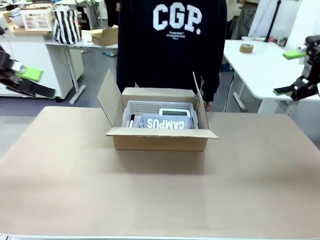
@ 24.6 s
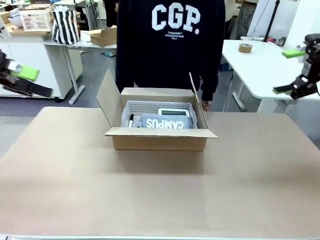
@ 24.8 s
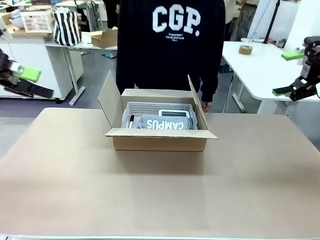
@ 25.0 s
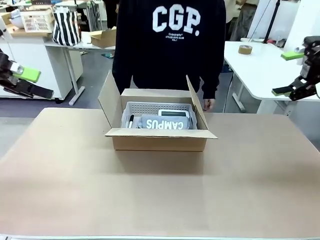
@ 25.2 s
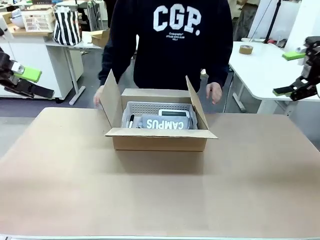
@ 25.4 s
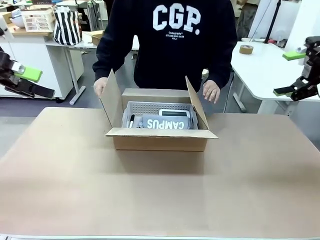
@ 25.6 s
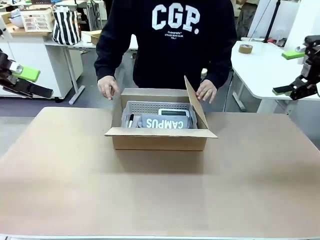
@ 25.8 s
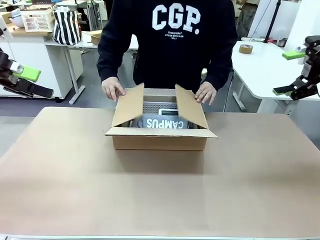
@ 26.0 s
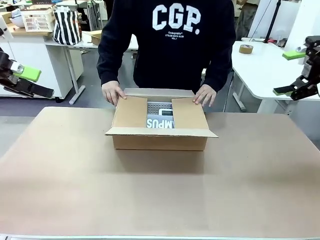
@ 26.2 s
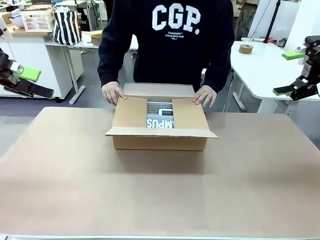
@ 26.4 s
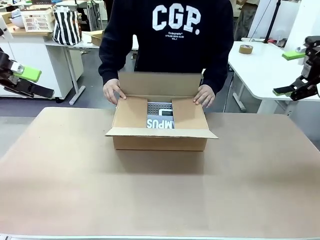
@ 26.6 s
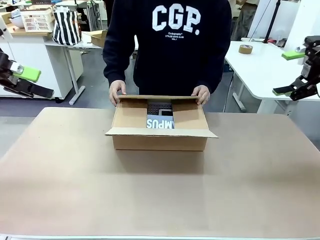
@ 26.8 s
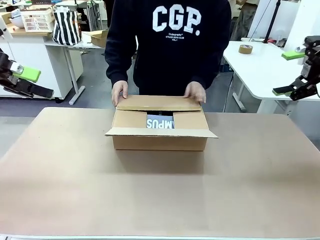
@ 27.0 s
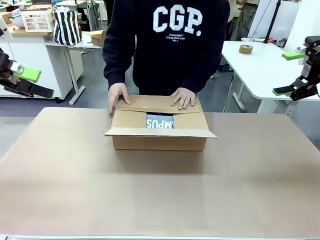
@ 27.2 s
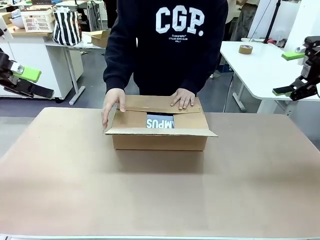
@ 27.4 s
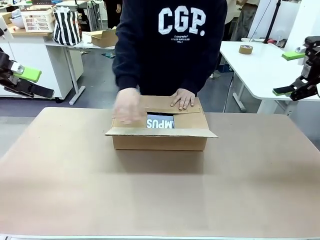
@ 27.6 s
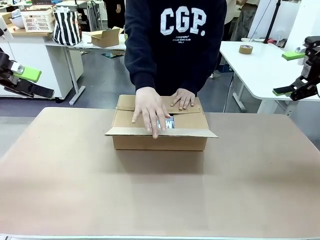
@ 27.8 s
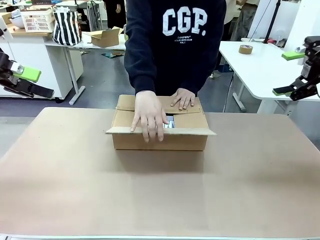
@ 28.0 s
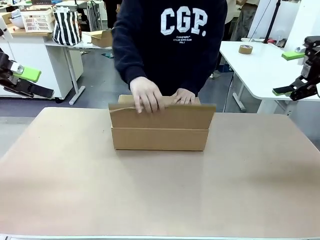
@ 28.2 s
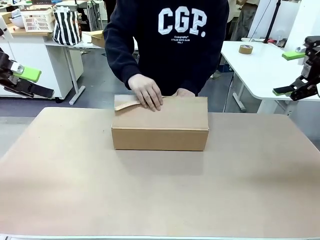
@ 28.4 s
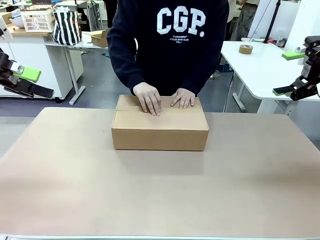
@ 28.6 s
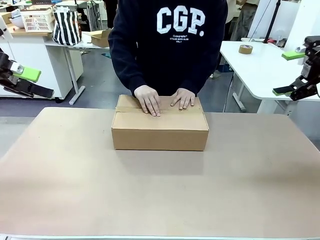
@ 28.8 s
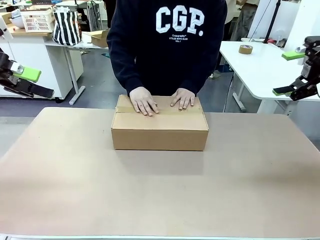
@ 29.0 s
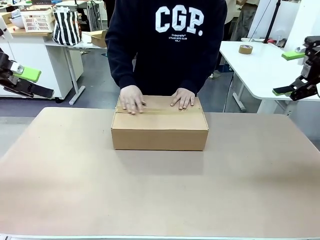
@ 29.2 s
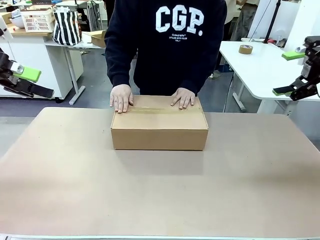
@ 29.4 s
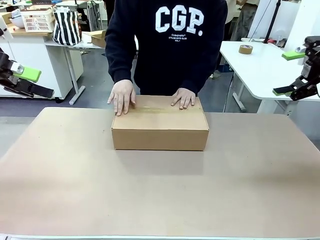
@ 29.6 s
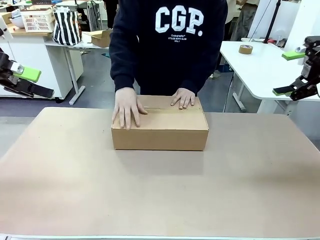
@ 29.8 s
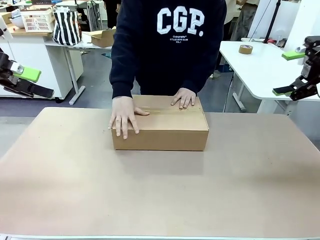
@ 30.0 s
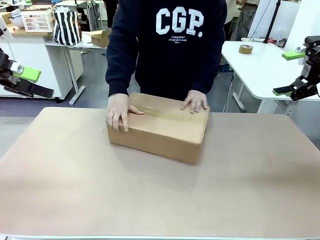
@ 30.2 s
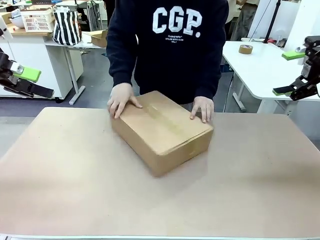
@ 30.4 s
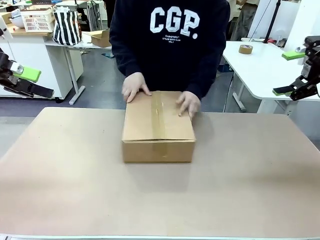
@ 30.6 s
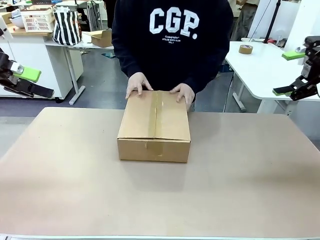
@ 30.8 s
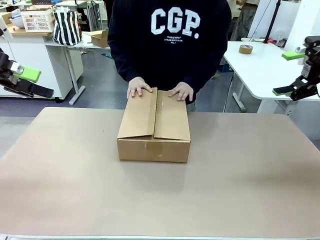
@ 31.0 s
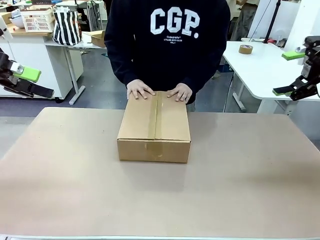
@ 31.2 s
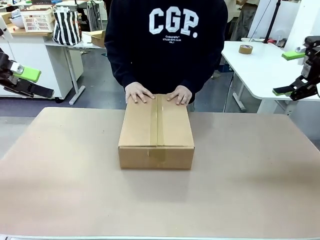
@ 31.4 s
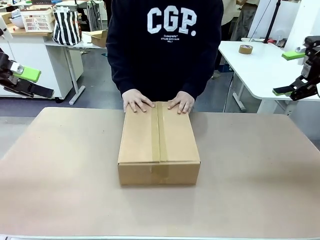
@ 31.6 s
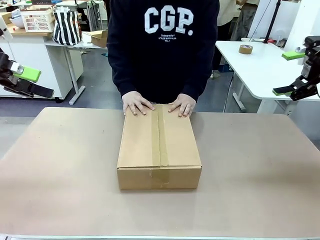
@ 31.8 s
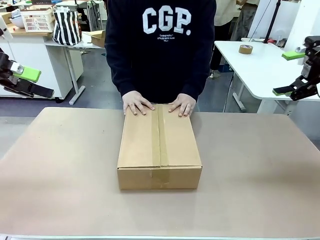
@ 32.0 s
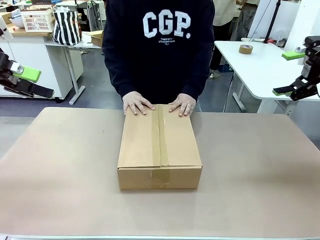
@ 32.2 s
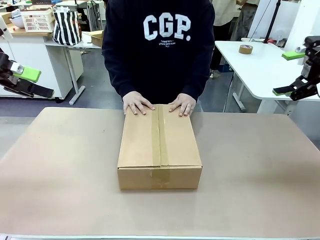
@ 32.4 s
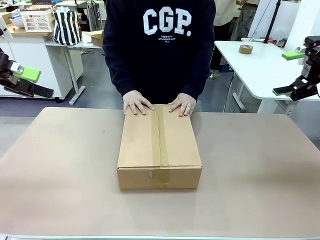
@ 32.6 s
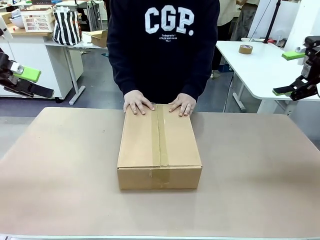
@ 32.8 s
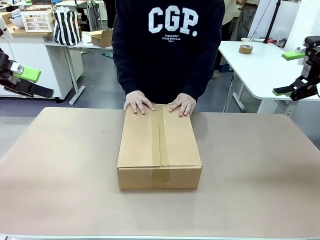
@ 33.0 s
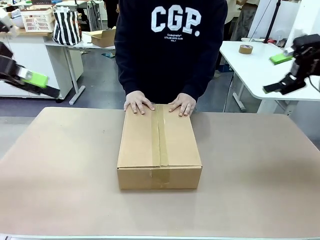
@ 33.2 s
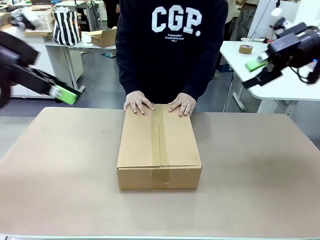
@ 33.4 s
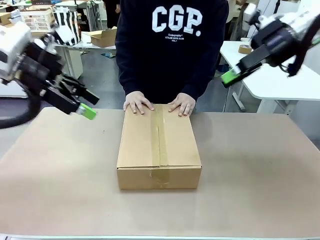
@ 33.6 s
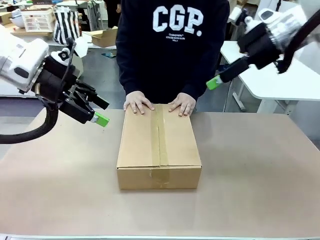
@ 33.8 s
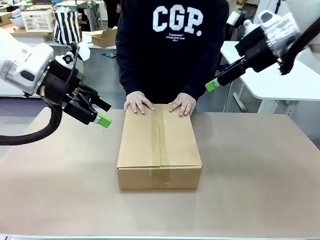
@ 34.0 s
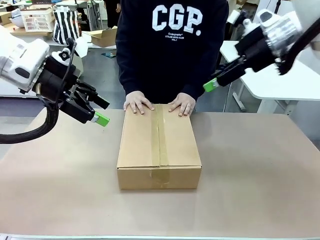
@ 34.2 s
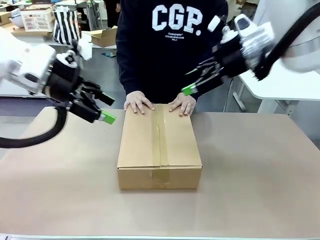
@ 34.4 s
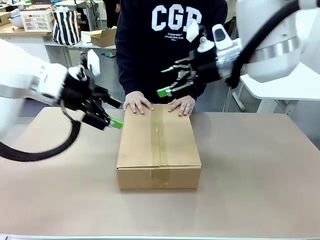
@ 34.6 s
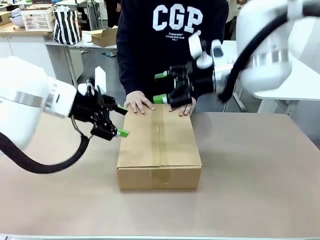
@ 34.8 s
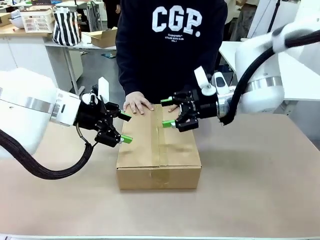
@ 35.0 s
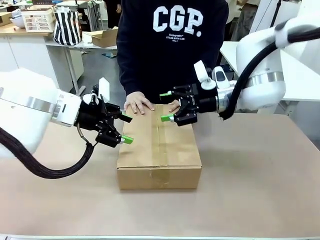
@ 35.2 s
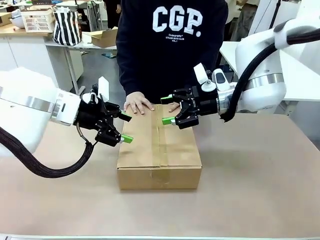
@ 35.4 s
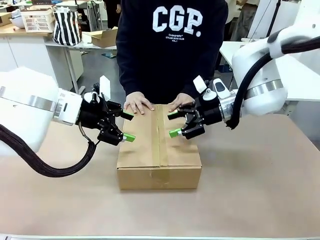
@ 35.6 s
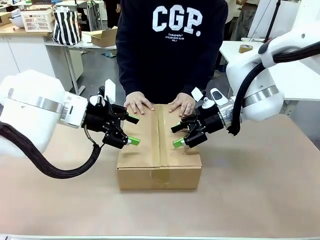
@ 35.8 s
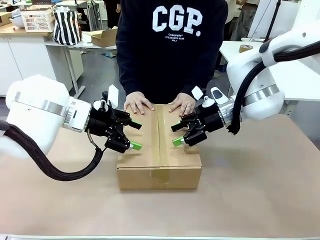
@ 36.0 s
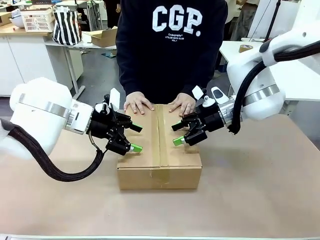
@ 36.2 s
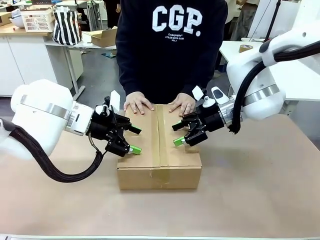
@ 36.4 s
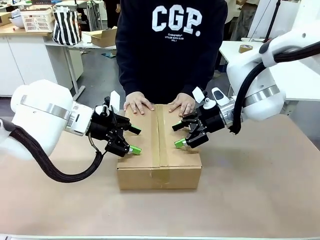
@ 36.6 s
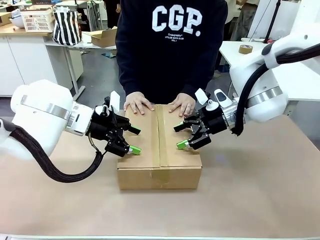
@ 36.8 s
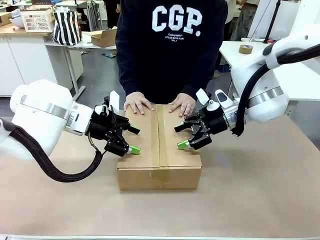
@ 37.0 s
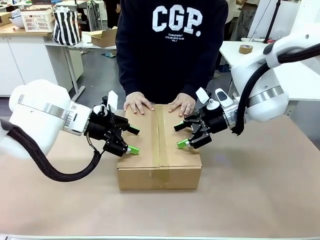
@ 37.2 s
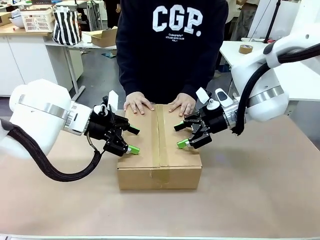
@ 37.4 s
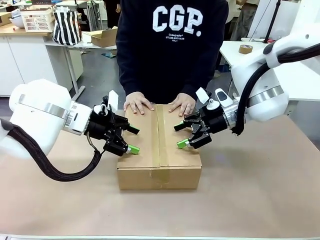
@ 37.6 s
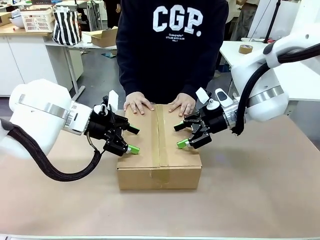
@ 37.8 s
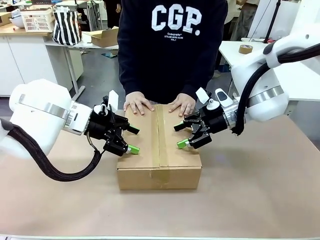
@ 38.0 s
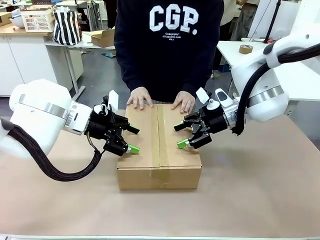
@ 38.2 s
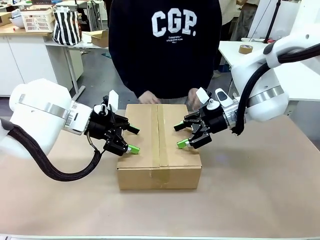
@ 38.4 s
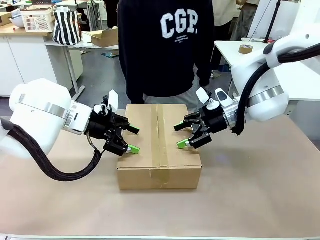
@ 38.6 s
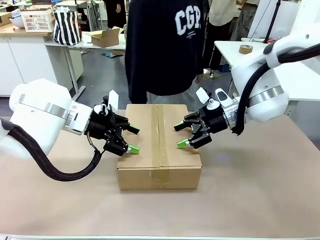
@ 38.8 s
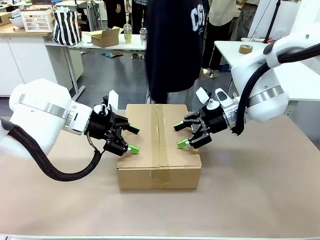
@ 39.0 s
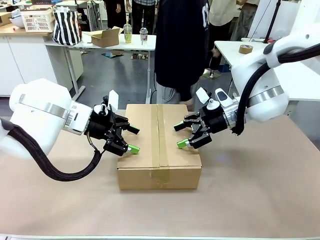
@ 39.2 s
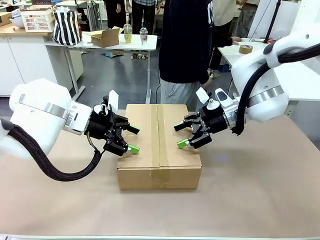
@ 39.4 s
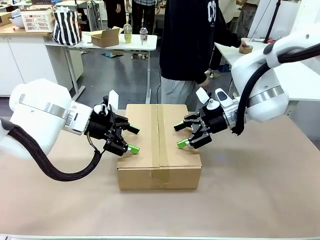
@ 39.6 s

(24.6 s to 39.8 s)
Task: Pack the gift set into the box.
Robot: Press and hold the closed box until the human finishes sealing it.
Person: The human closes the box and rotates the box by 90 degrees.
